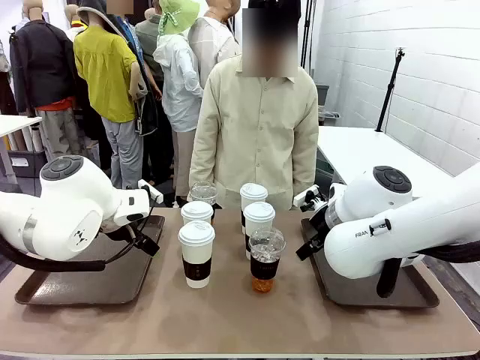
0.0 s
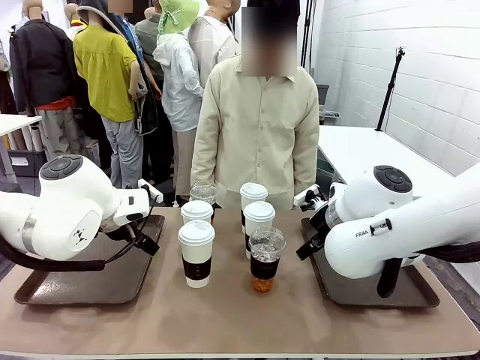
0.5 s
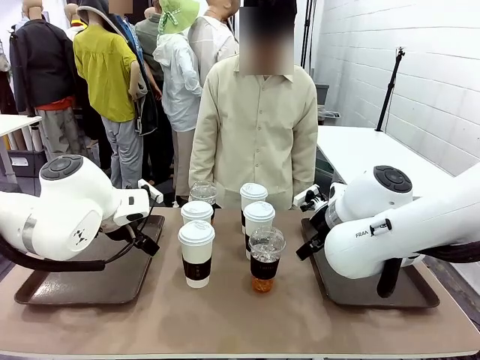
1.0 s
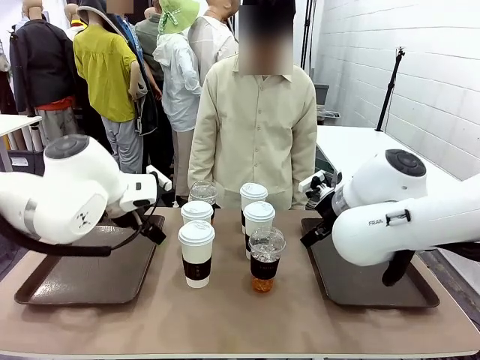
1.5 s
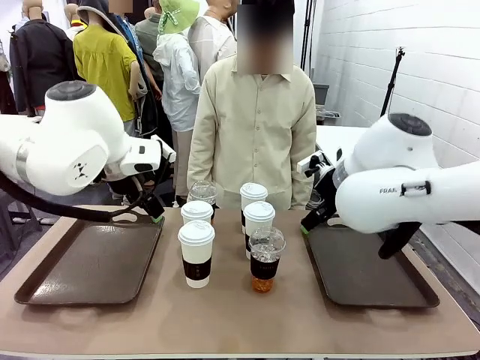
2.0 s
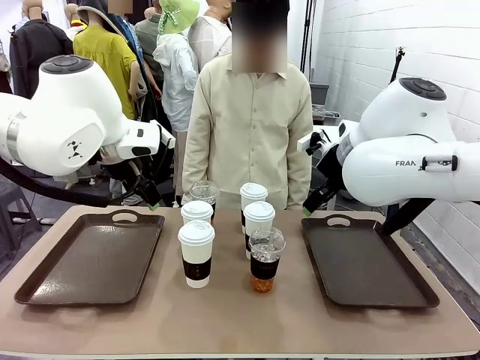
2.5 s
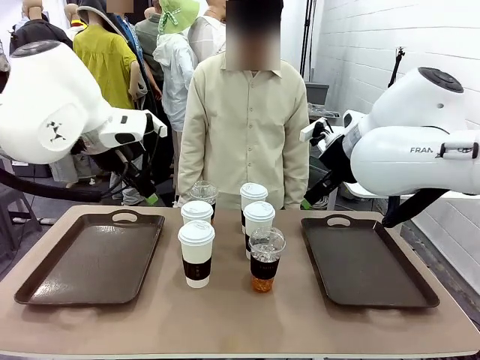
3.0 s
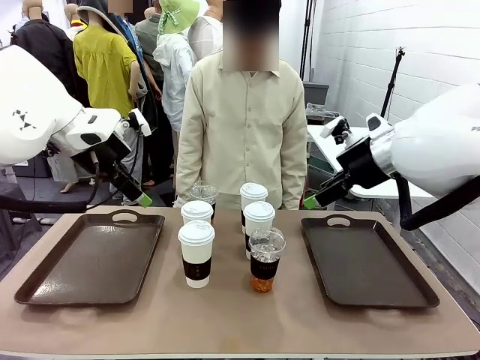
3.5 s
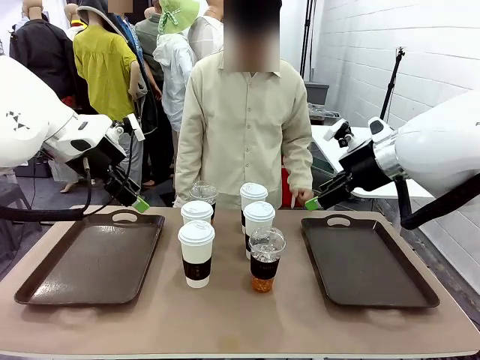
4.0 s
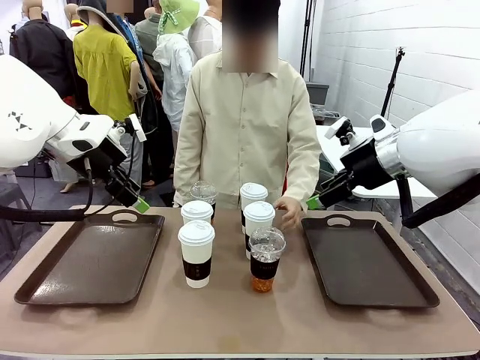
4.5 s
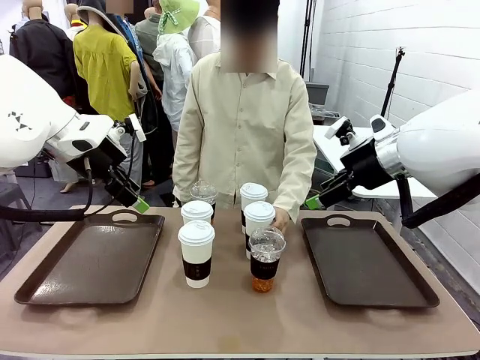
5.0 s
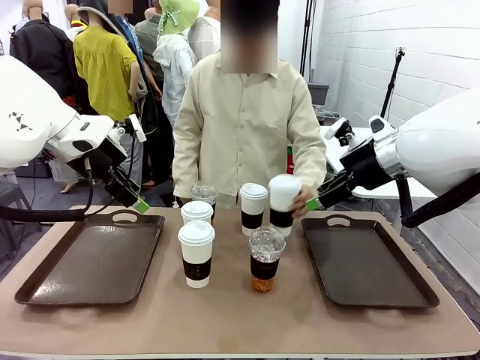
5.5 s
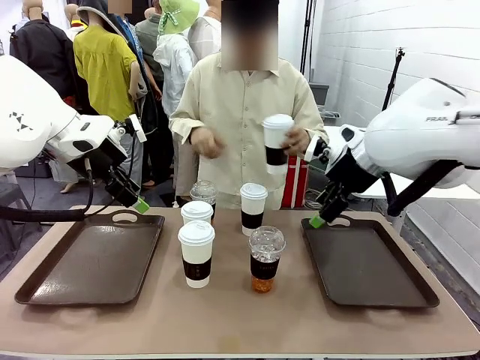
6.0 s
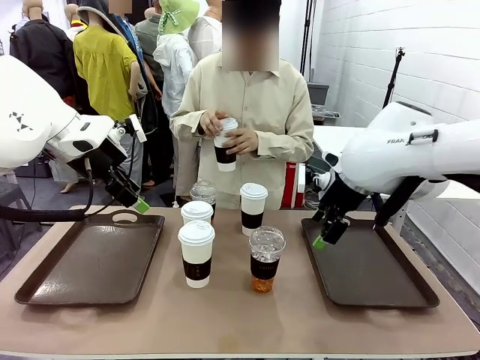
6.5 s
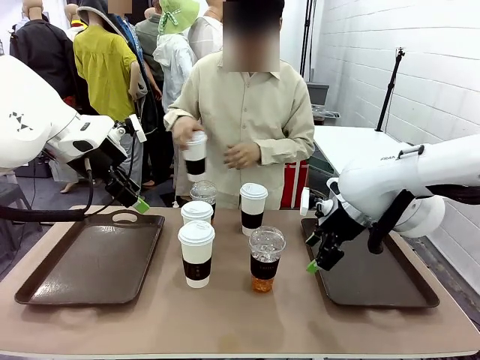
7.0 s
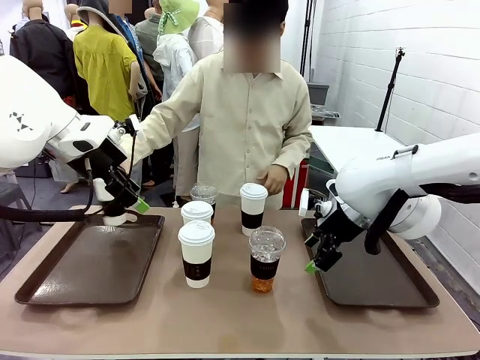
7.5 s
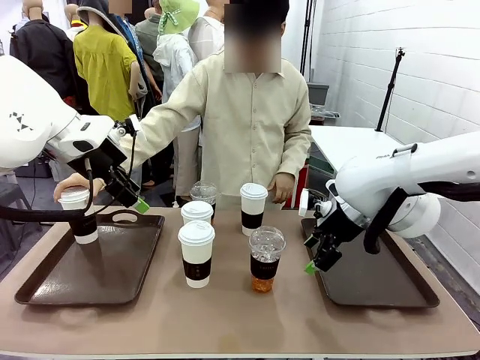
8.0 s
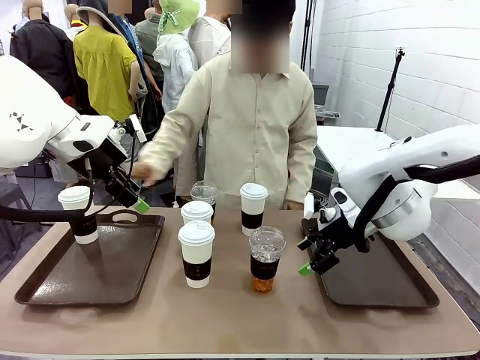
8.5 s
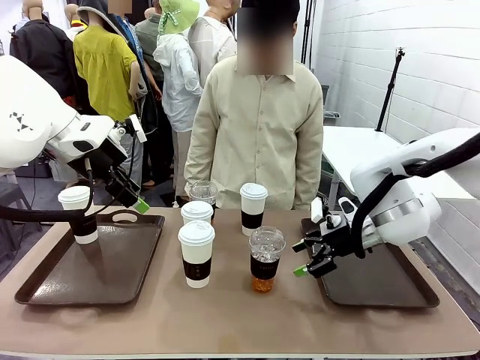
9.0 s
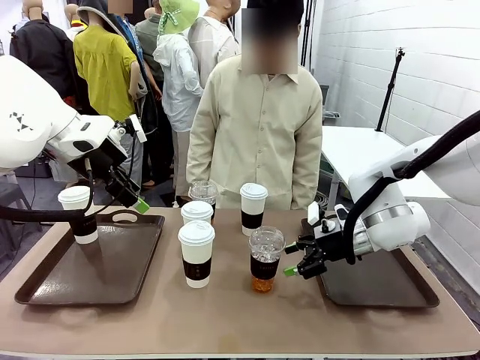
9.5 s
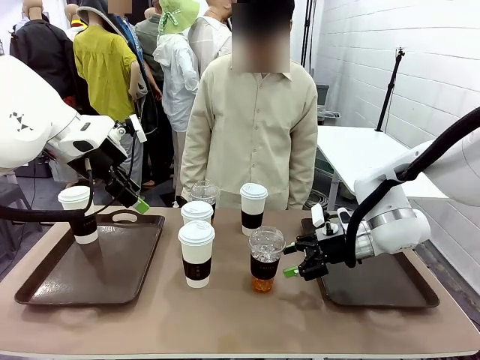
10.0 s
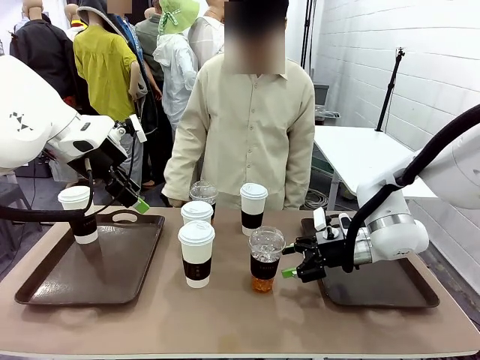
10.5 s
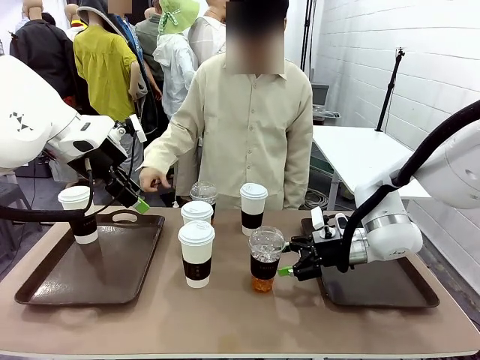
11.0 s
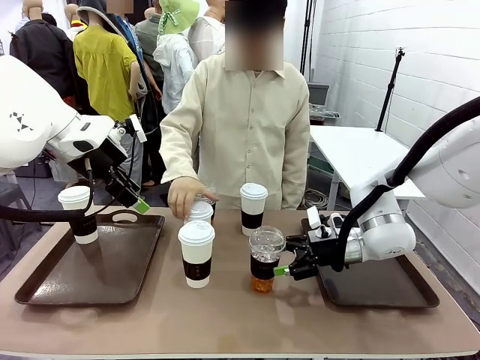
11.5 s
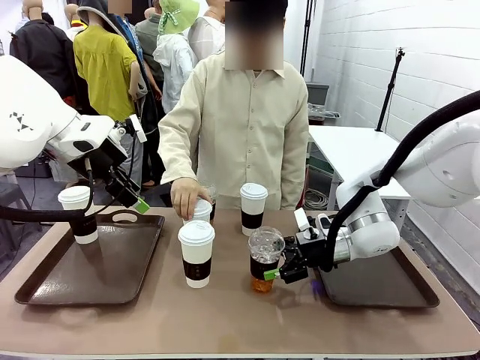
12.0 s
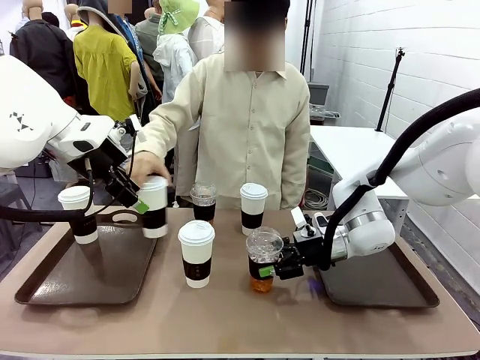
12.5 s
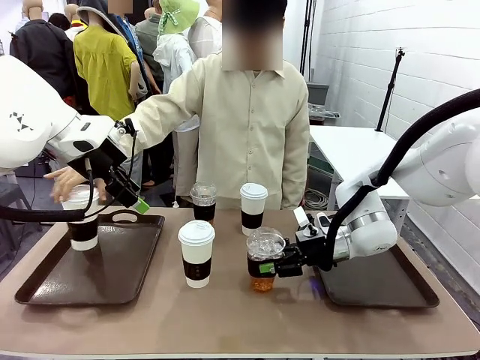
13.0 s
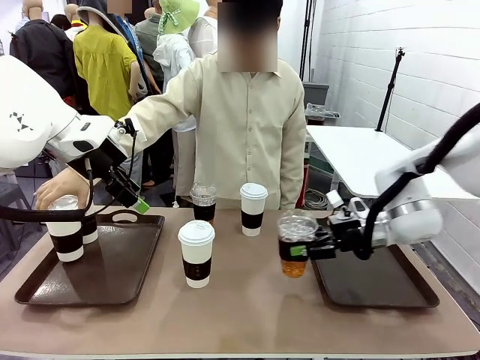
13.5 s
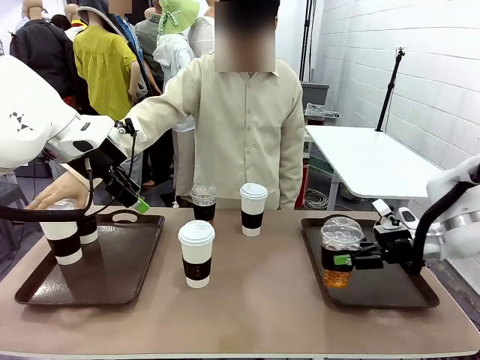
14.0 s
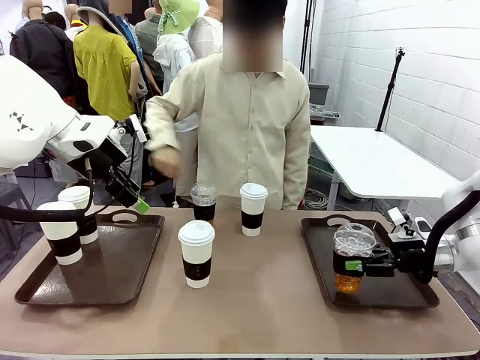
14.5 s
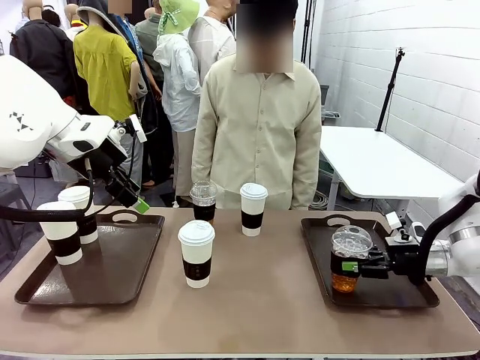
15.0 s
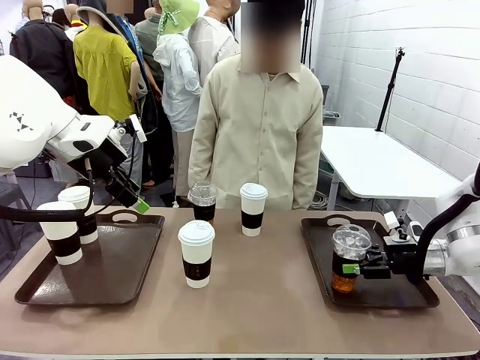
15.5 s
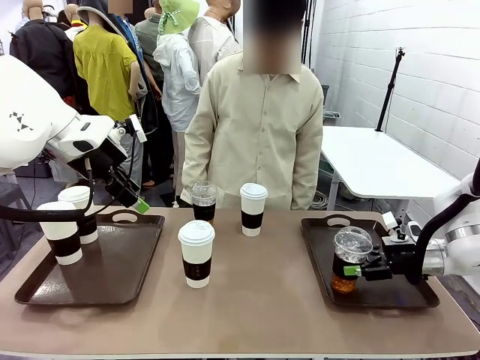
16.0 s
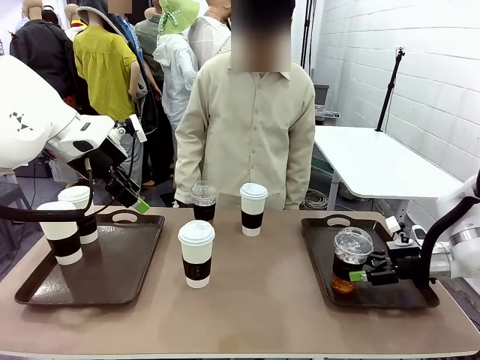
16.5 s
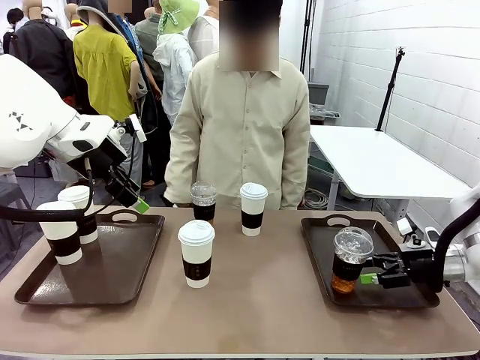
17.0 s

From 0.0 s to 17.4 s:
Task: Distribute the coffee onto the tray.
Robot: Pick up one iced Americano and place it on the right Handle tray.
Person: Pick up a cup of hot Americano and place it on the right tray.

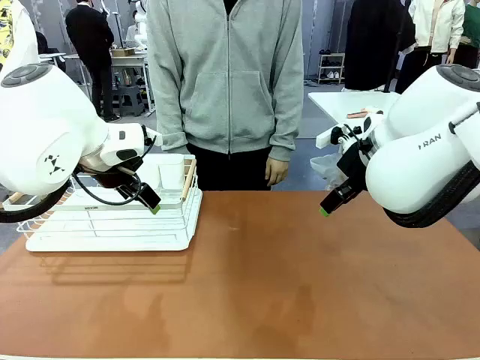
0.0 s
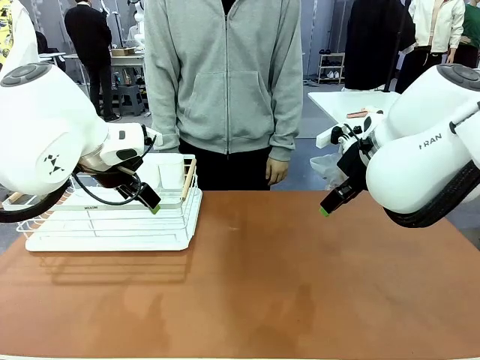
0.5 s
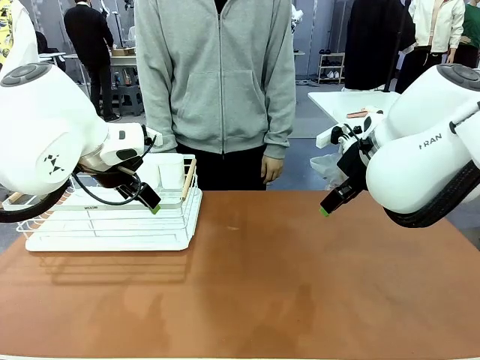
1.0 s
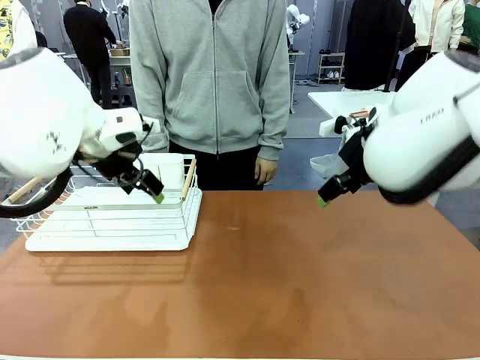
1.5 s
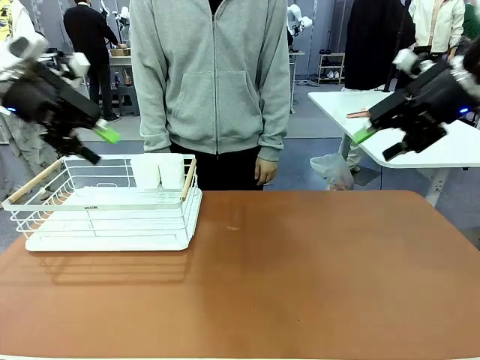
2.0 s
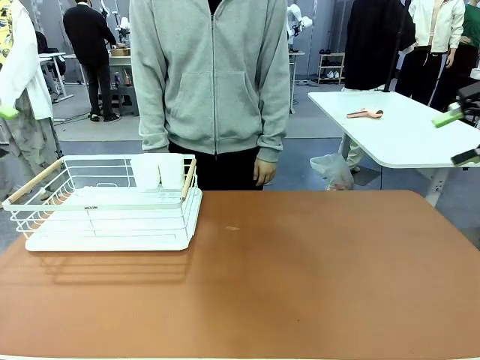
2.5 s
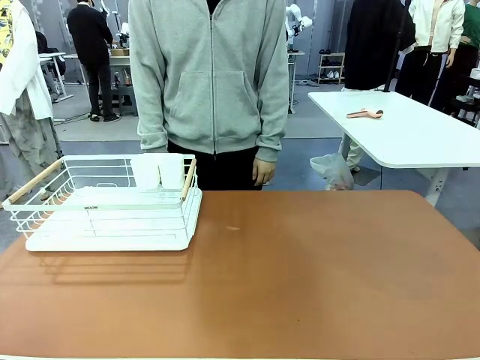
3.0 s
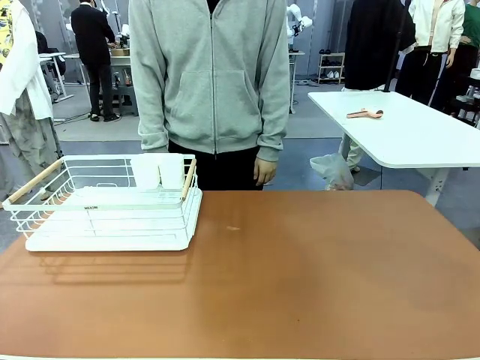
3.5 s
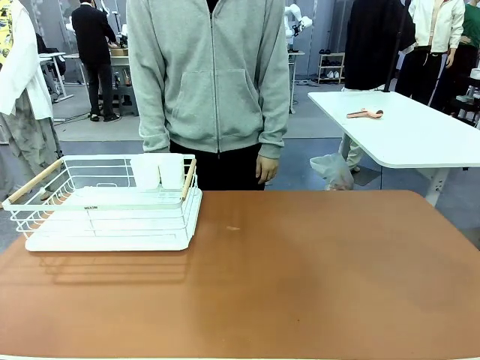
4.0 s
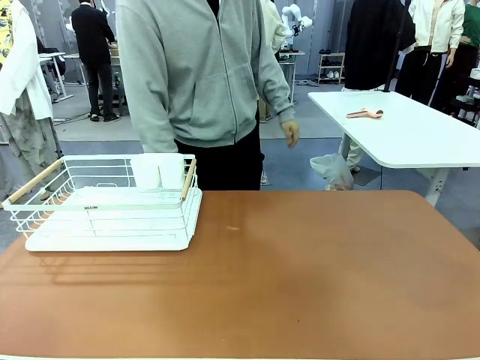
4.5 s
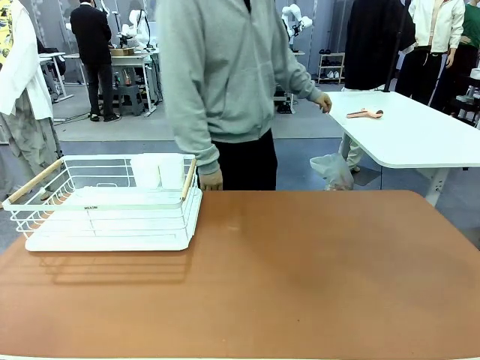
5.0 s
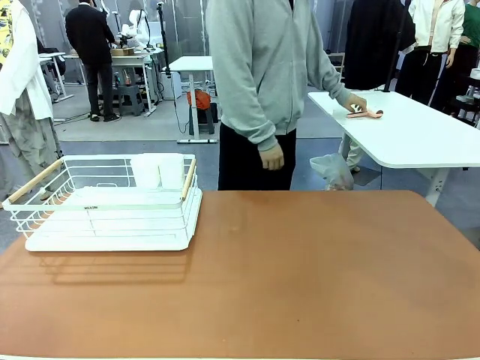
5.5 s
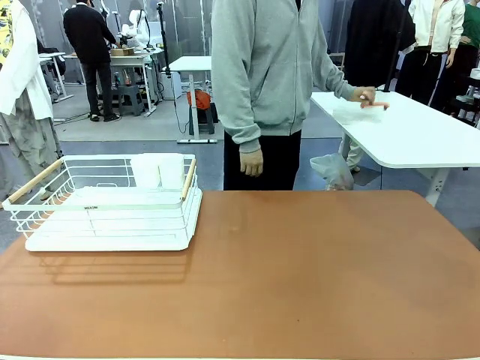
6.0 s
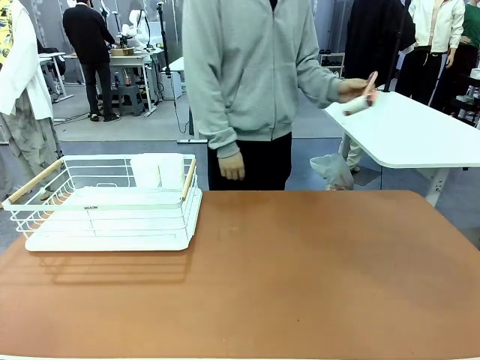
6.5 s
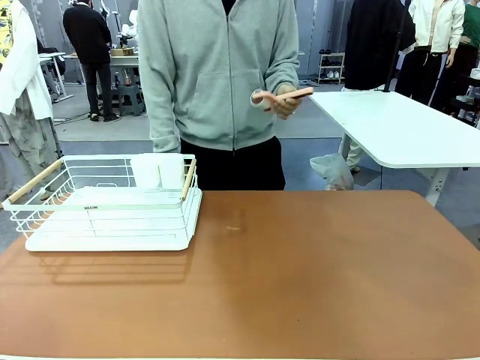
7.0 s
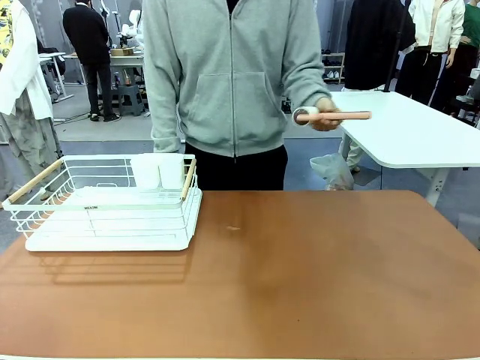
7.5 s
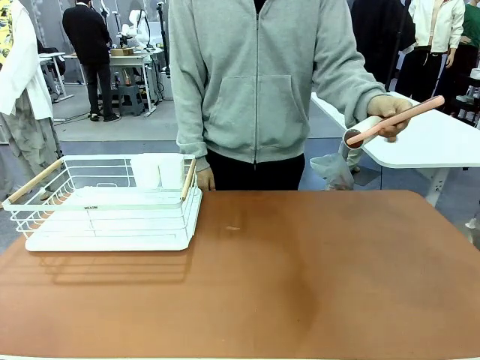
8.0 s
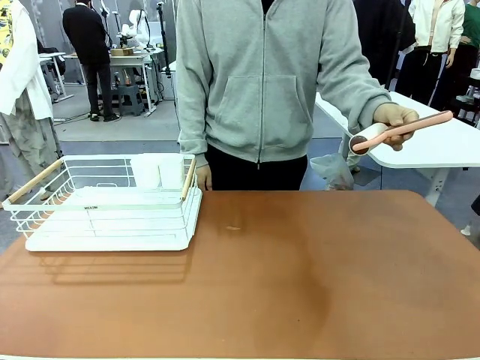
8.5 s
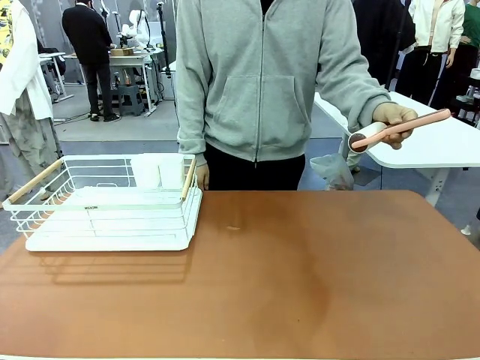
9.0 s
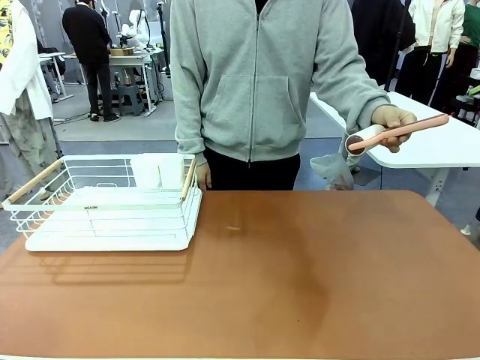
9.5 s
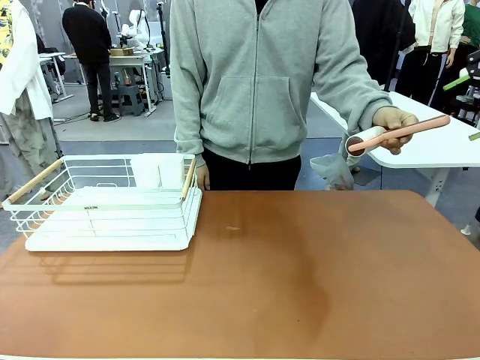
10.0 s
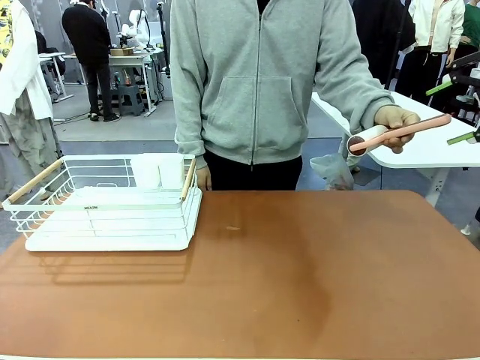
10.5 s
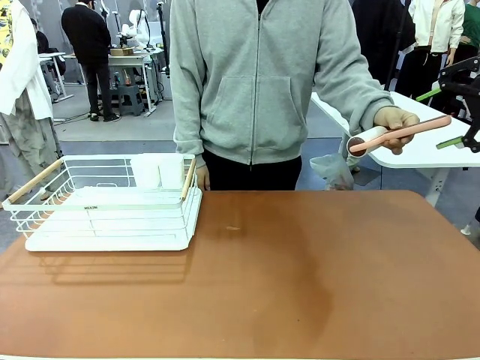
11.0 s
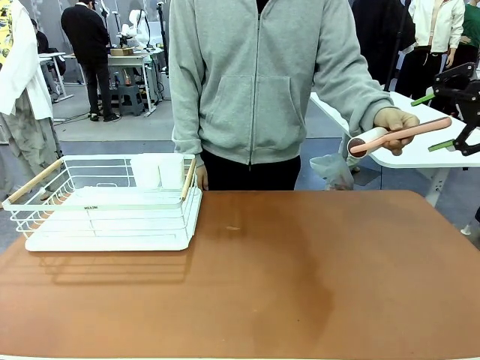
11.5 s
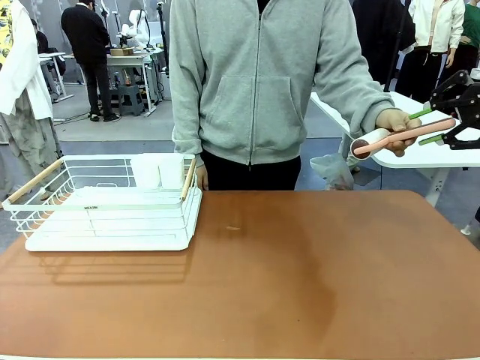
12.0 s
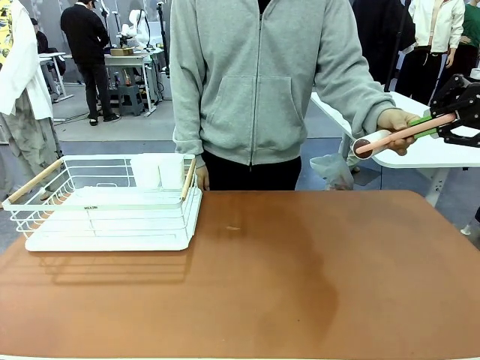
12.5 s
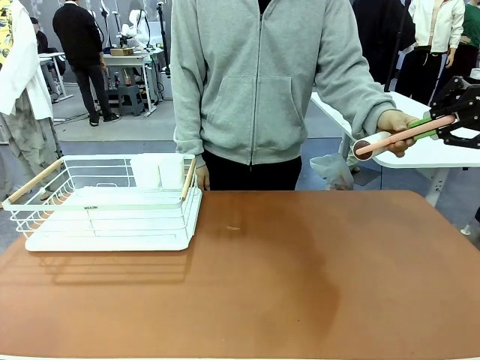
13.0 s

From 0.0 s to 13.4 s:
Task: Clean the table.
Robot: Pick up the Lint Roller when the human hands it over.
Person: Hand the Lint Roller to the robot so it can easily pick it up.
